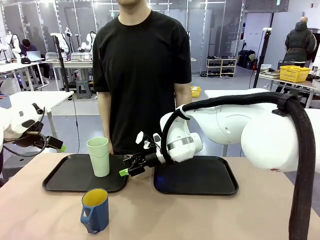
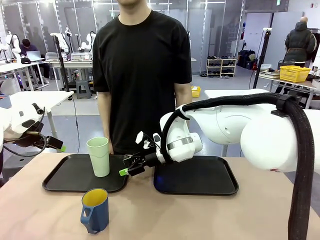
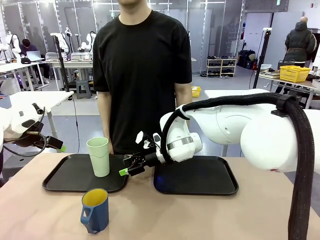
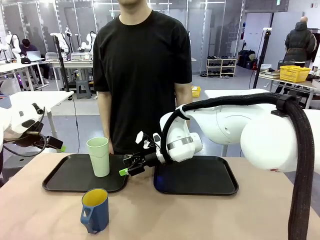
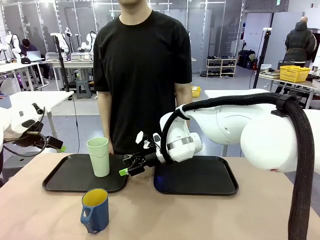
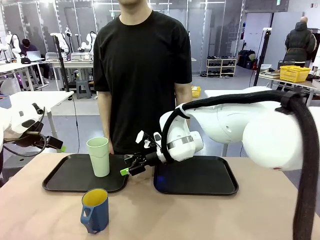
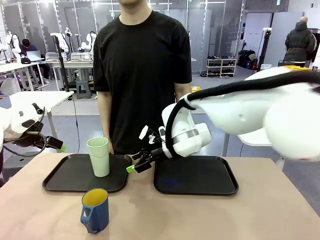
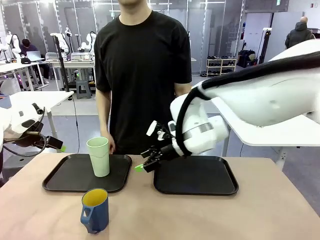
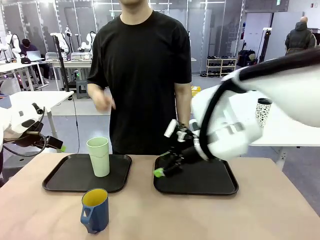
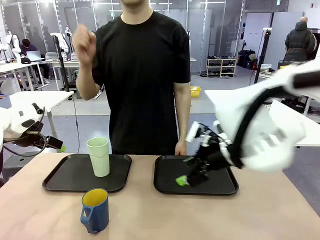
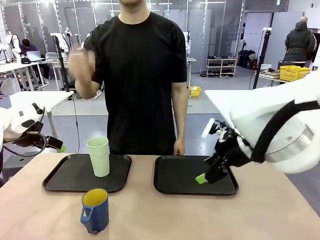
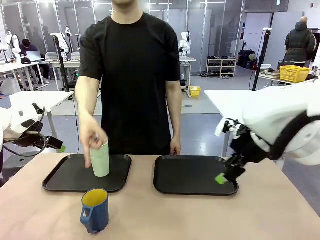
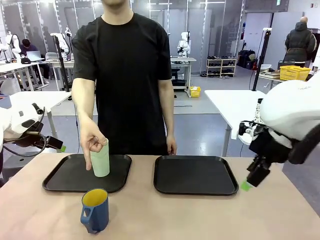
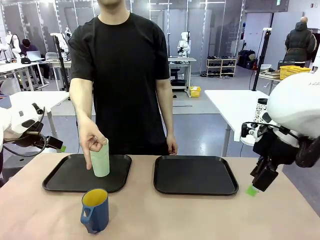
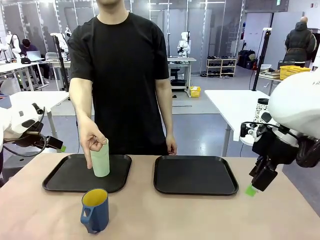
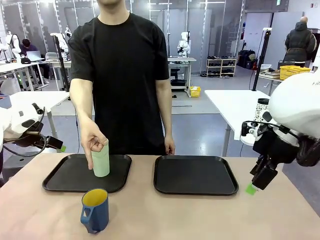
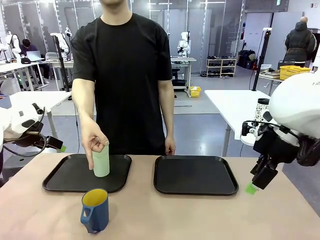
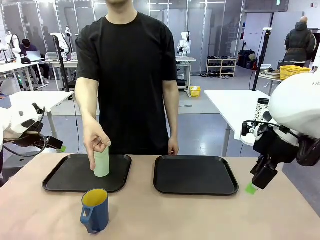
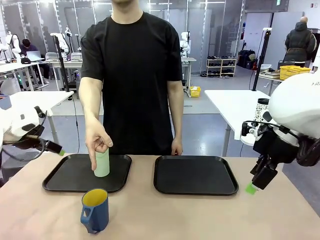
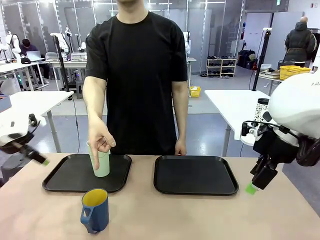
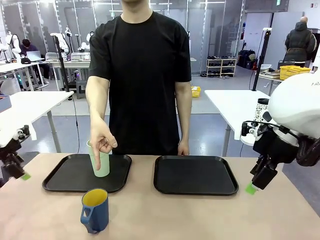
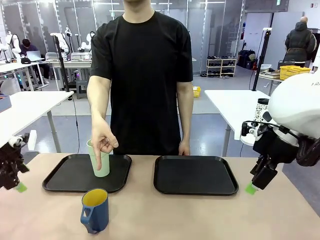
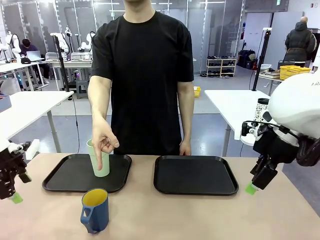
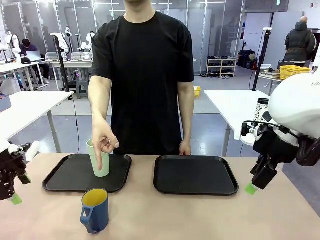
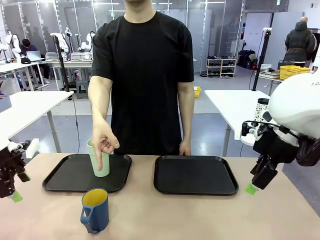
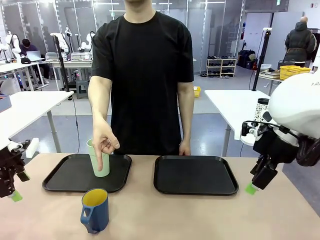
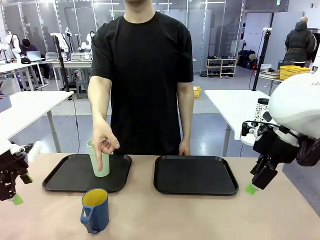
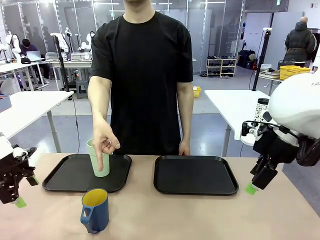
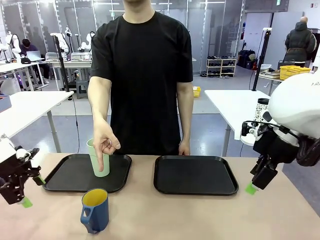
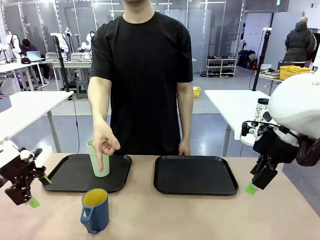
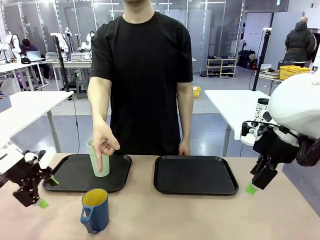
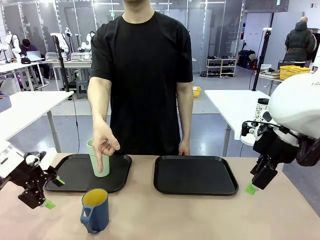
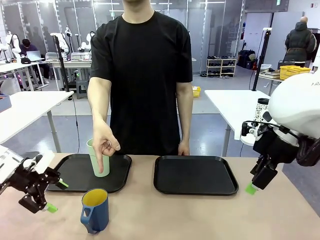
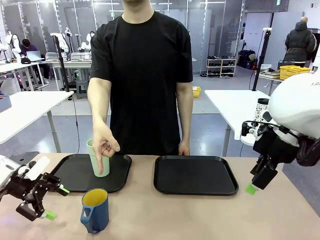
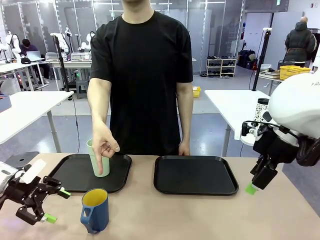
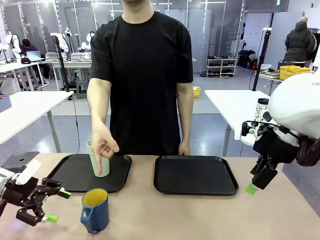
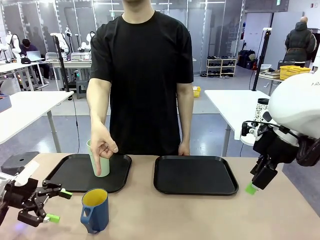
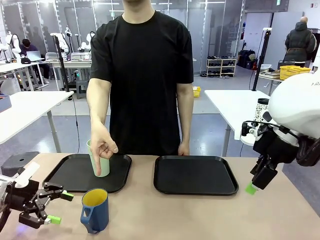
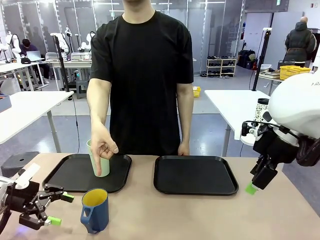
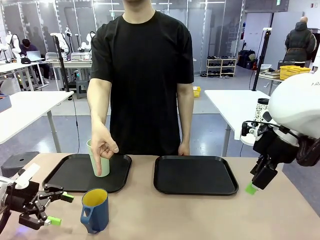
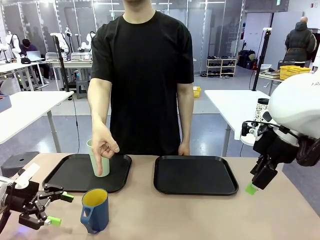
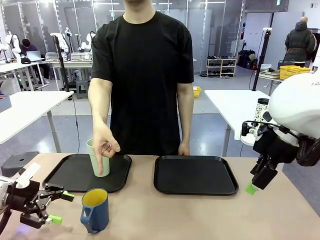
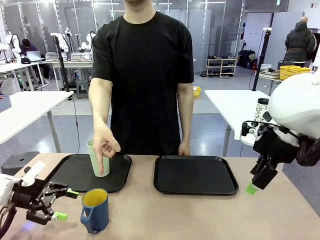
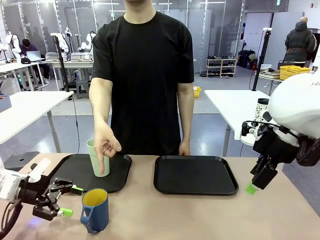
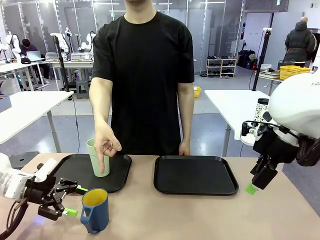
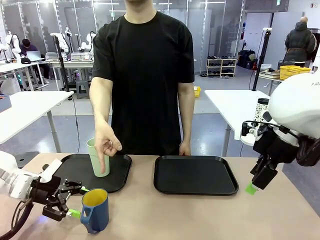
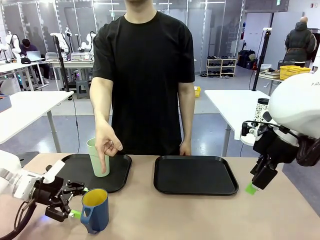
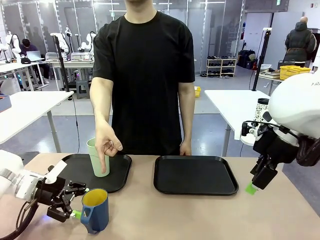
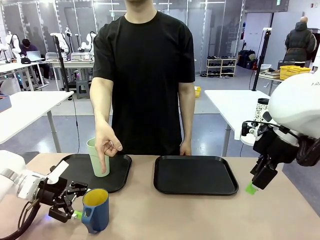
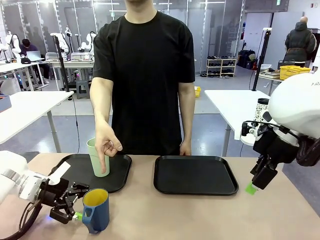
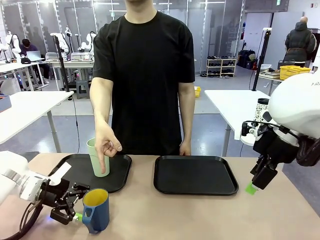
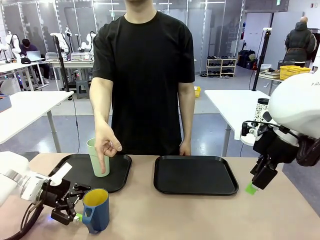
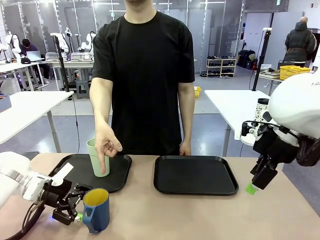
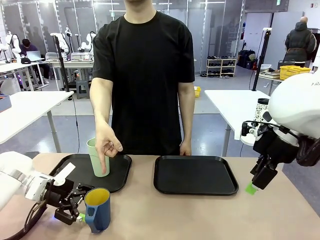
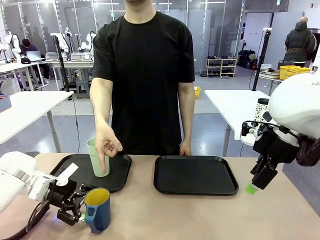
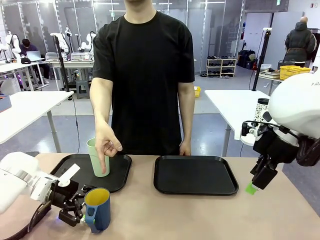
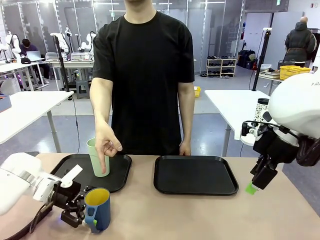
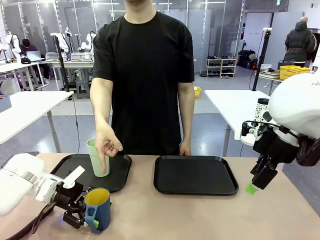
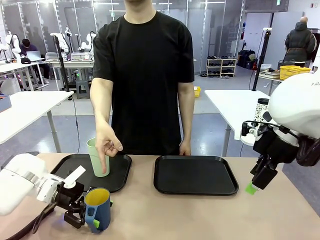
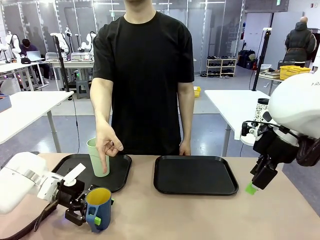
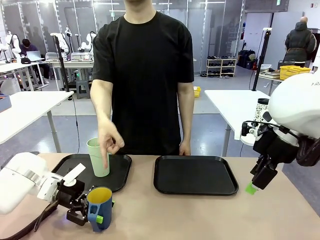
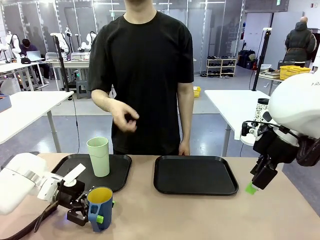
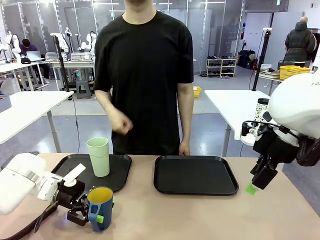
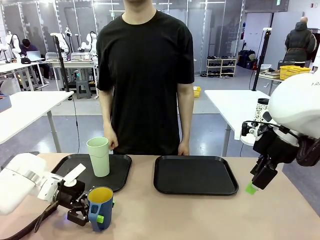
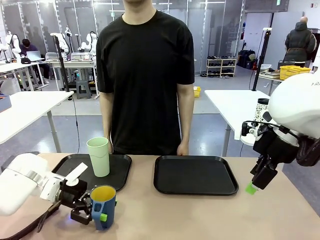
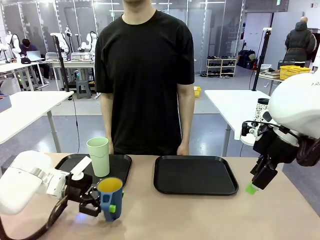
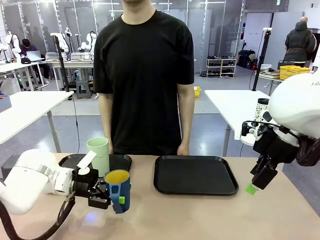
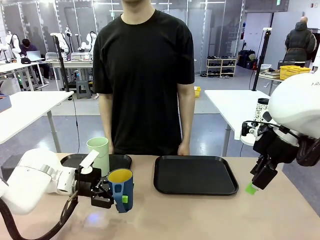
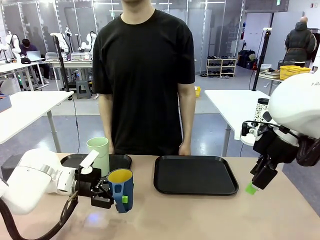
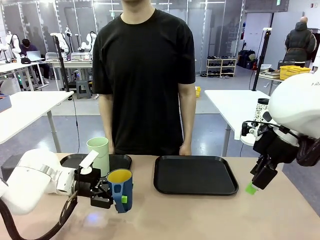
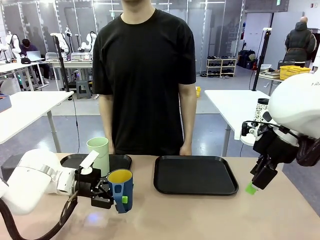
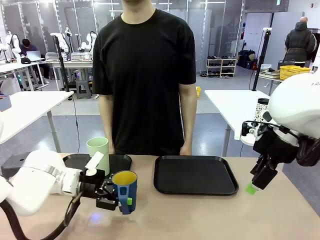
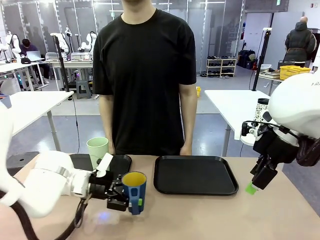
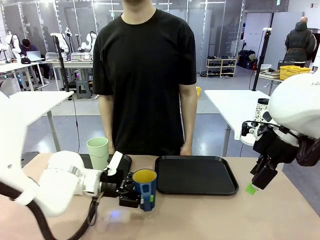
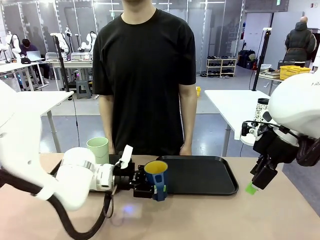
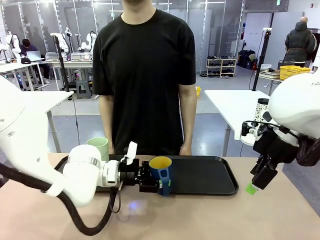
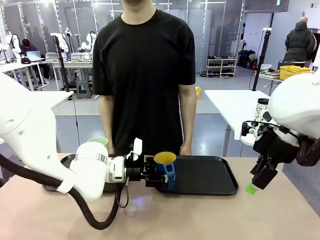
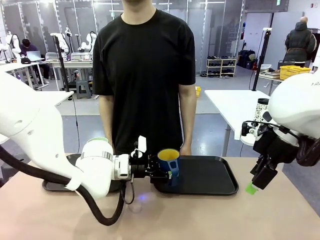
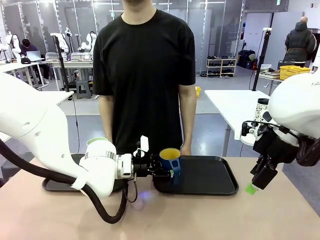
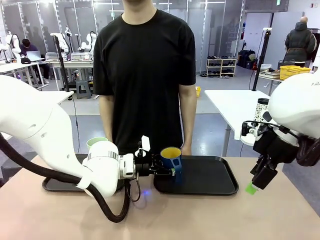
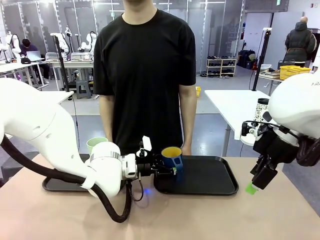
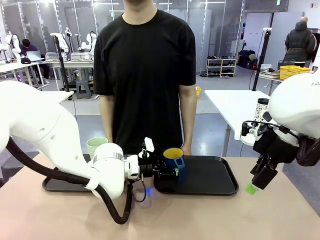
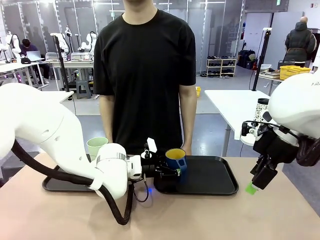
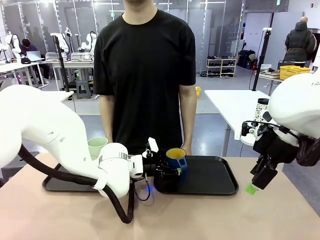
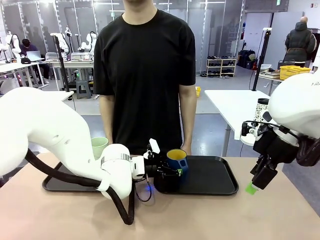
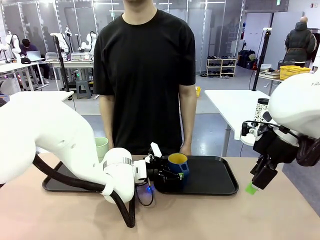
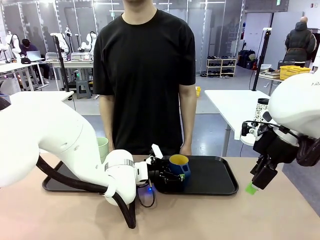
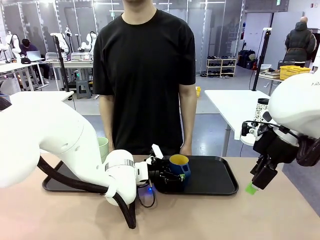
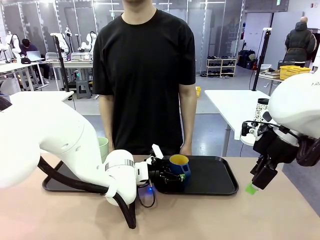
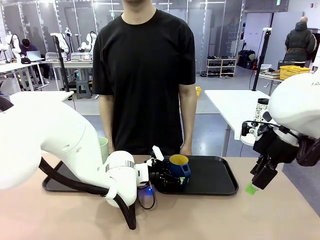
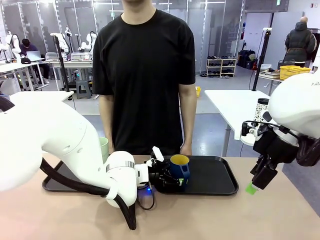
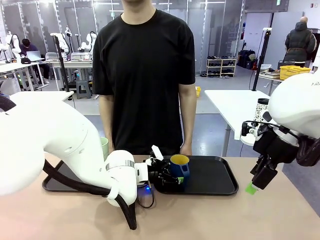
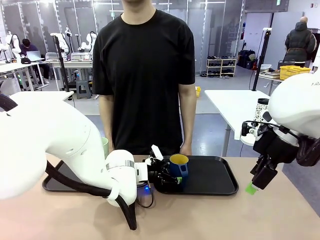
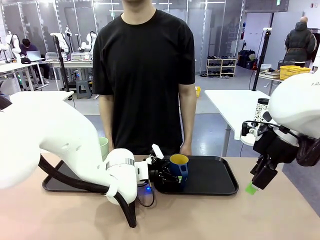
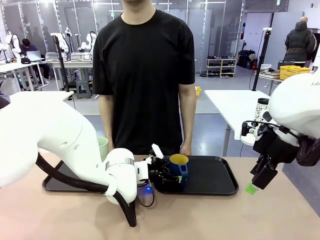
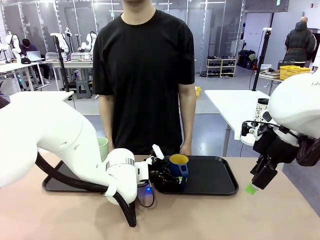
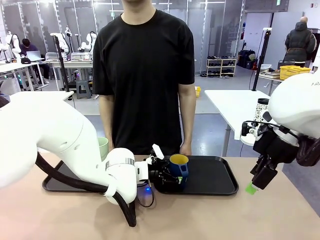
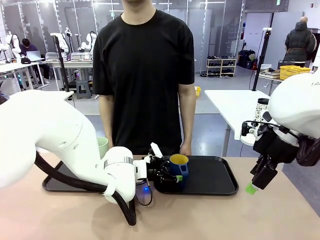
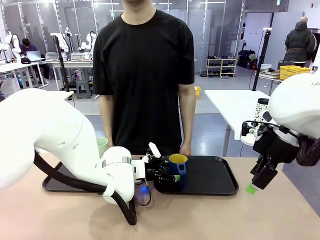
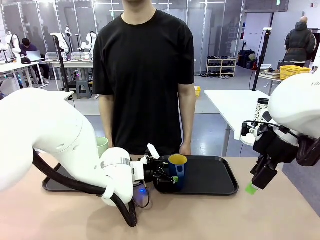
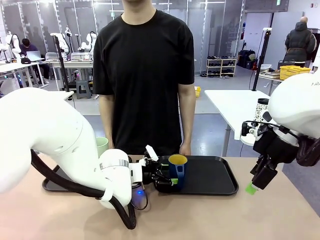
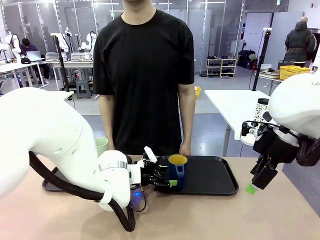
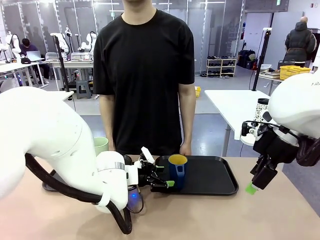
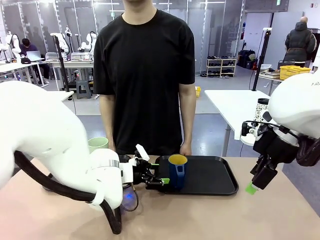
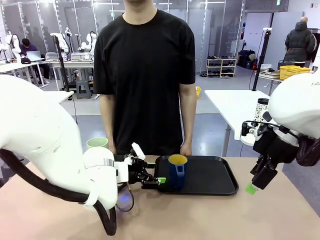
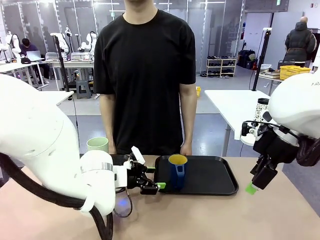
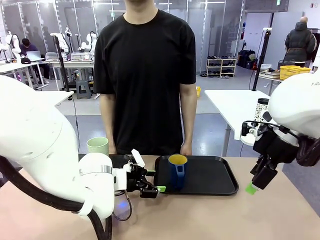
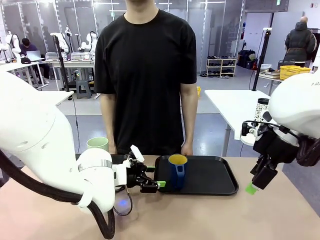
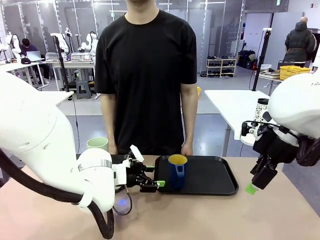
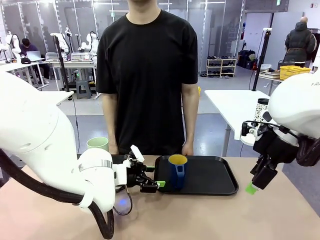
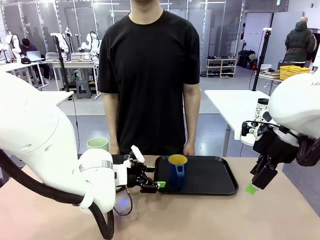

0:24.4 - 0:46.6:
Task: Sort and store the cups by type.
Robot: Pick up the Handle plastic cup and place it into the empty Flat Tray.
Person: Points to the cup with a handle.
